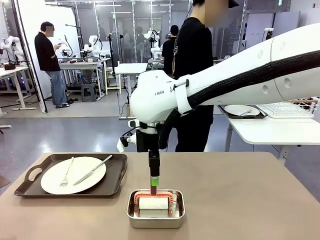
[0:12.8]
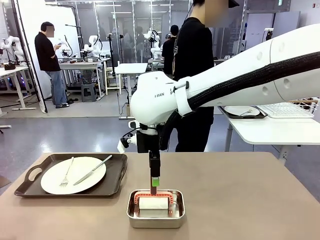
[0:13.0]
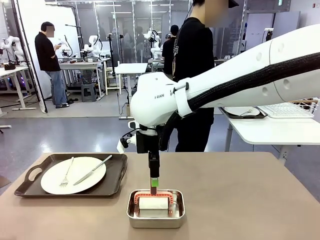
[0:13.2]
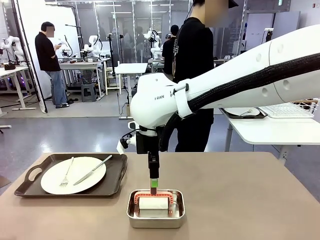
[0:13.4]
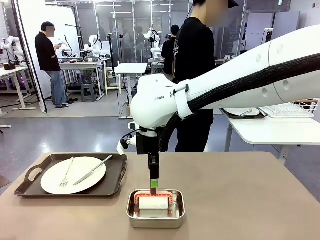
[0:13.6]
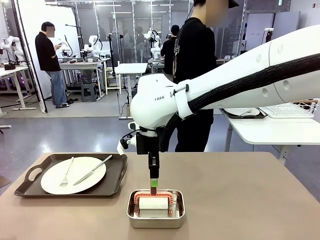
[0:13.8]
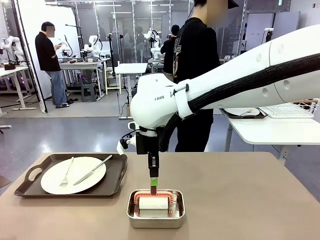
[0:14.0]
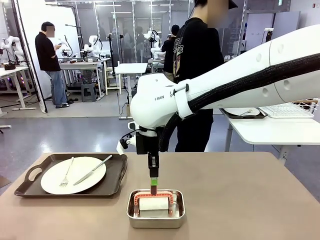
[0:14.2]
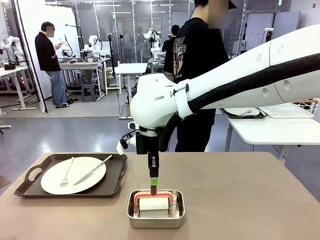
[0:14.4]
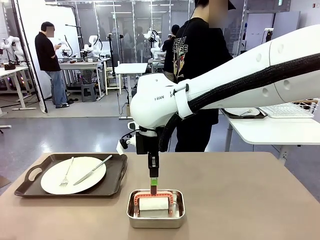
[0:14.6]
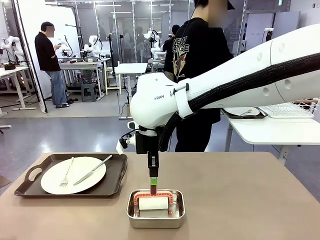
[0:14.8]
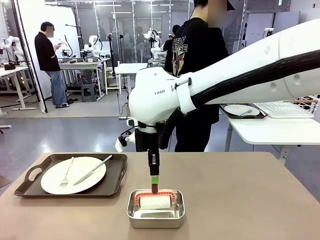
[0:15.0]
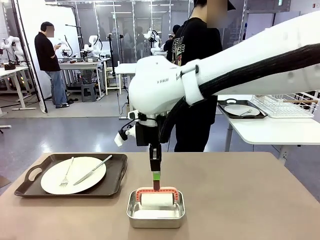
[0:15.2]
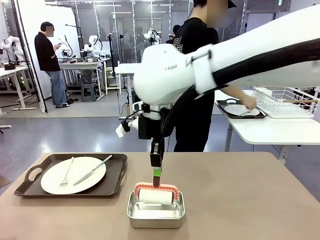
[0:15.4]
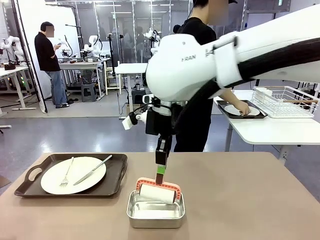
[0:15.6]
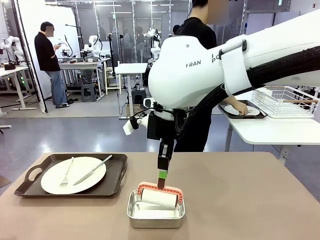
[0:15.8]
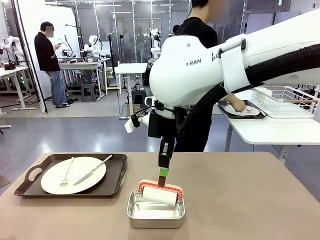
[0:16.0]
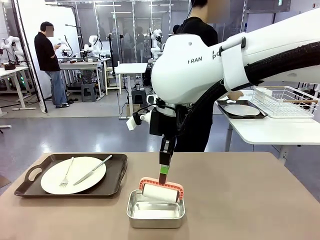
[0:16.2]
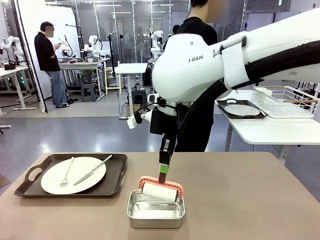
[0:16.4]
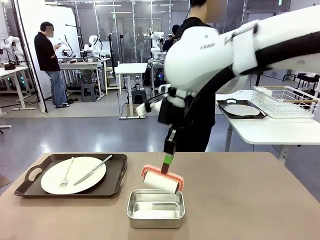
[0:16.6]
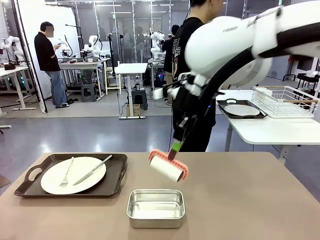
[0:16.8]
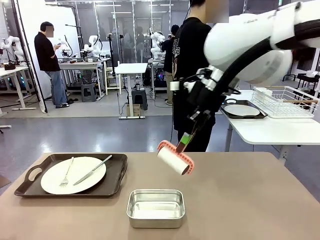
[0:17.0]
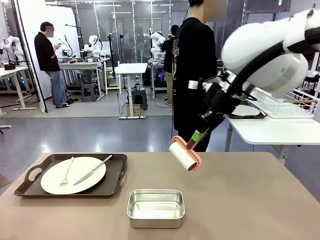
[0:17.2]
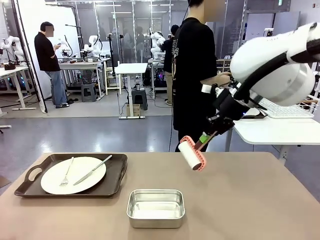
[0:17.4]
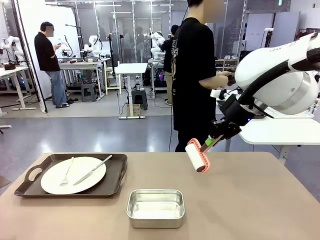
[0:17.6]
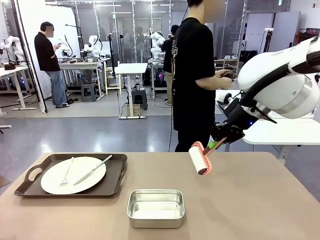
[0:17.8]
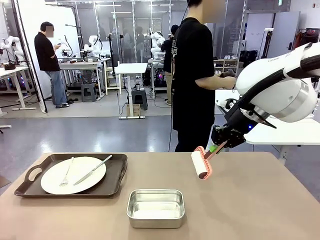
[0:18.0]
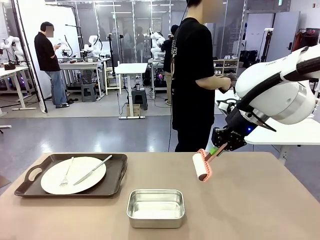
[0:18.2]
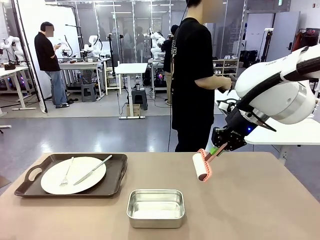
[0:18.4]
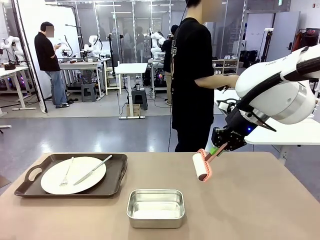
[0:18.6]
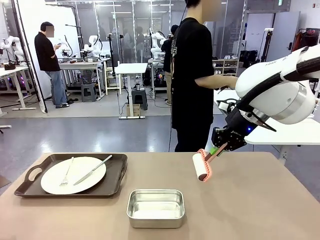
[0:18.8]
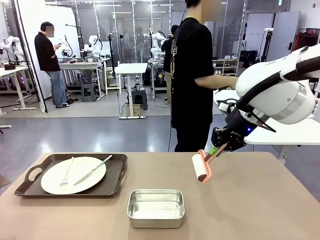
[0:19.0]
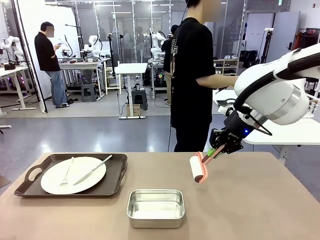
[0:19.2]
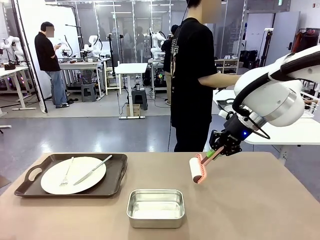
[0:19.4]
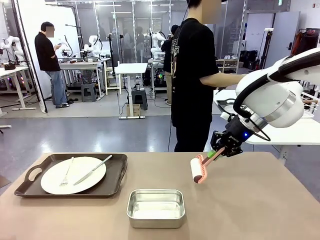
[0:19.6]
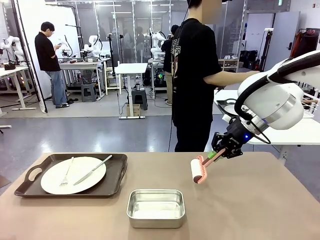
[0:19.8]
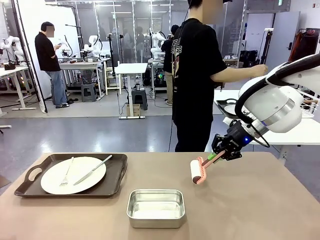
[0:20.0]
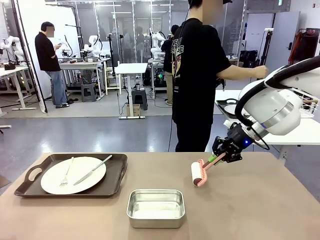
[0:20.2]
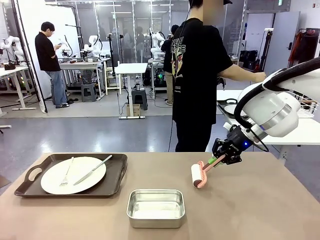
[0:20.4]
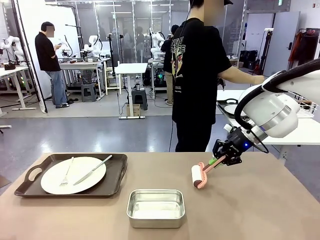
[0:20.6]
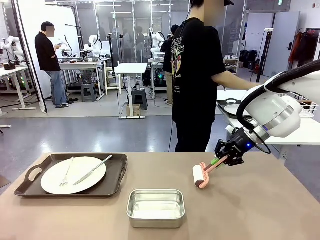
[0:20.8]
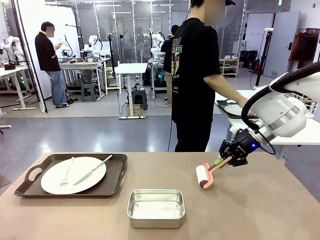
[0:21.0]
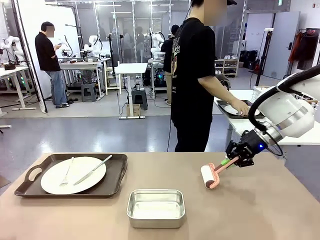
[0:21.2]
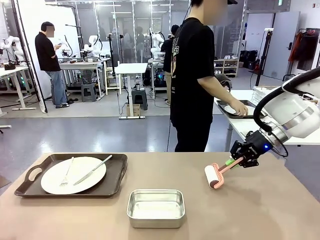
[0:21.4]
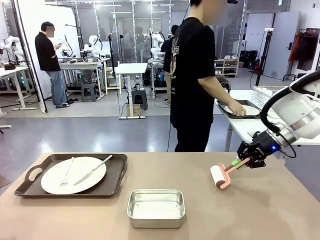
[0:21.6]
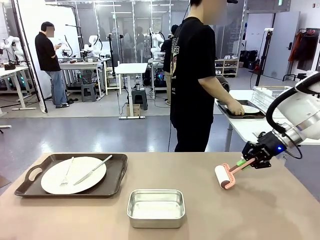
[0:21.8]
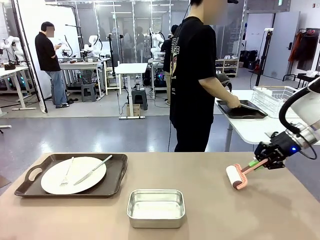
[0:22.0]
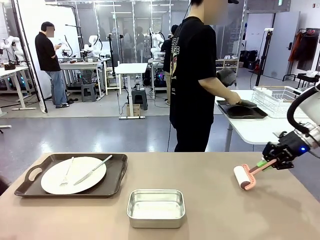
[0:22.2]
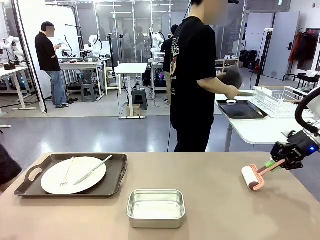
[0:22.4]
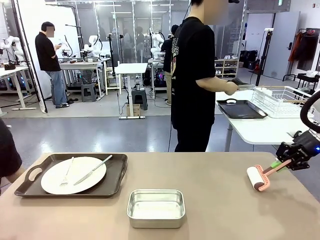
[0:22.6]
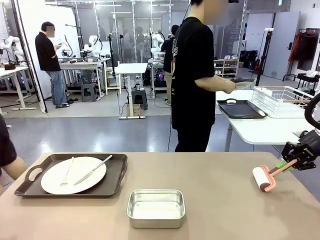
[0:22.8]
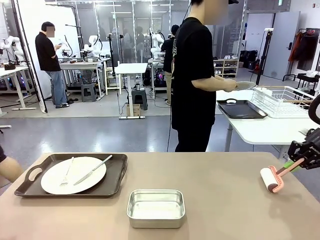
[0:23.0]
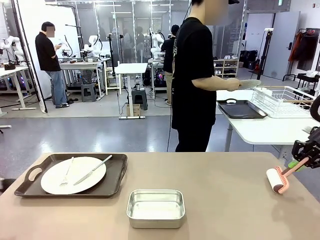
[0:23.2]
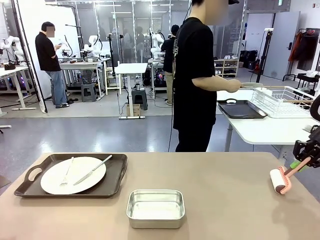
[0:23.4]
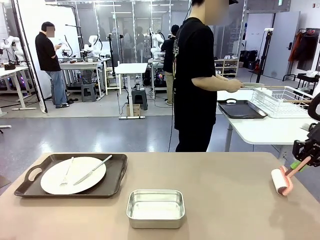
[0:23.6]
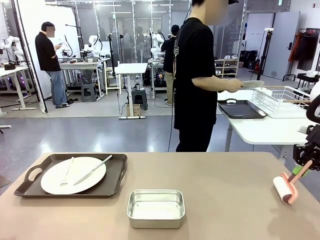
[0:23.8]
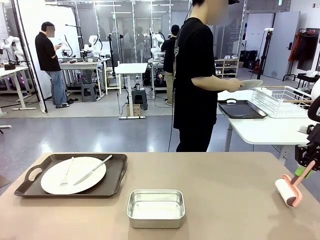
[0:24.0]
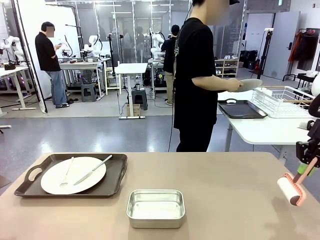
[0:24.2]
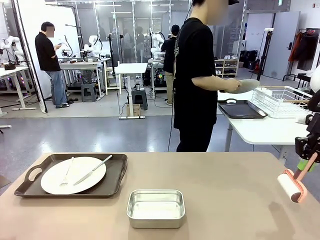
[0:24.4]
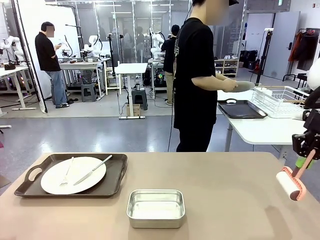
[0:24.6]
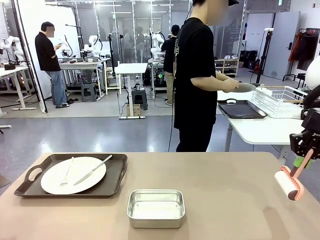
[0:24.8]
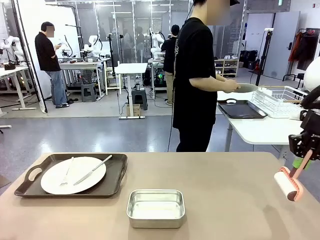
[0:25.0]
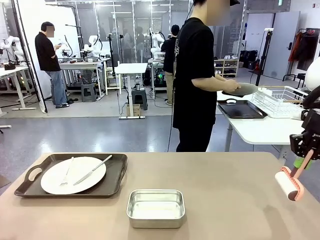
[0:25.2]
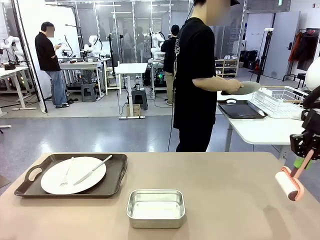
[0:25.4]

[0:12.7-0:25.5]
Robot: When the left (or right) Handle tray is removed, use the left hand (or right hand) to clean the left (or right) side of the table with the Lint Roller.
Person: Use the Towel with hook to wipe the Plastic Matte Plate , Fork , and Knife and place into the Dish drying rack.

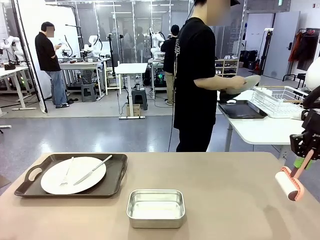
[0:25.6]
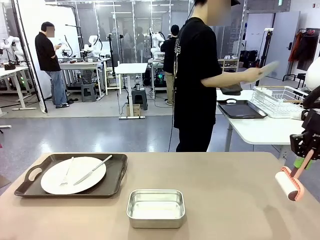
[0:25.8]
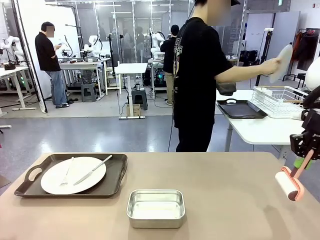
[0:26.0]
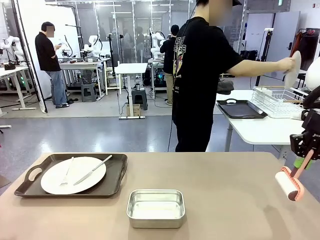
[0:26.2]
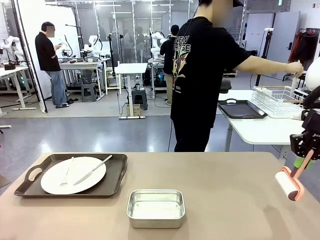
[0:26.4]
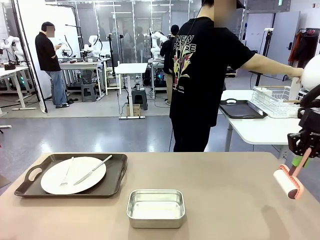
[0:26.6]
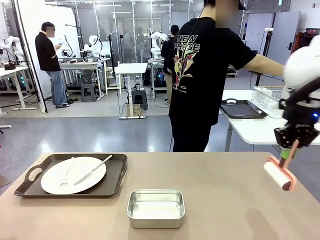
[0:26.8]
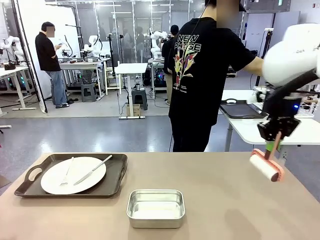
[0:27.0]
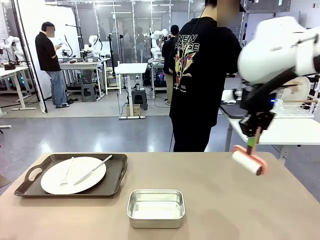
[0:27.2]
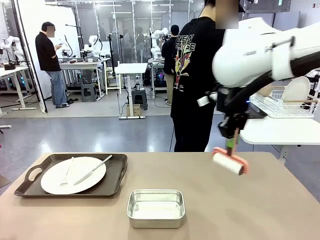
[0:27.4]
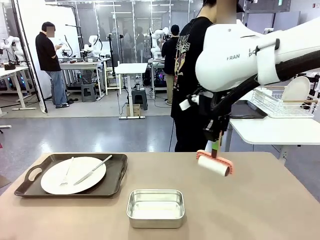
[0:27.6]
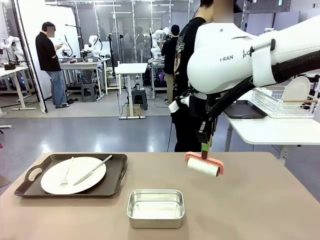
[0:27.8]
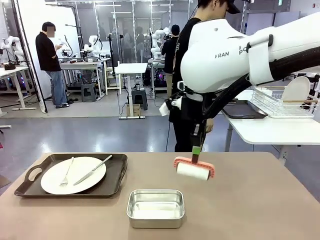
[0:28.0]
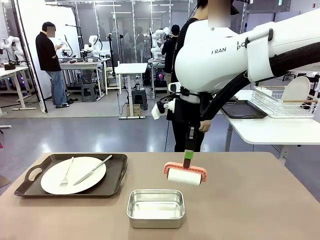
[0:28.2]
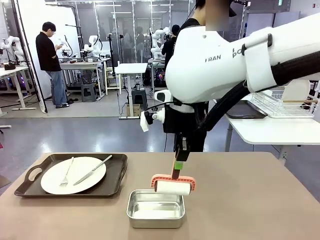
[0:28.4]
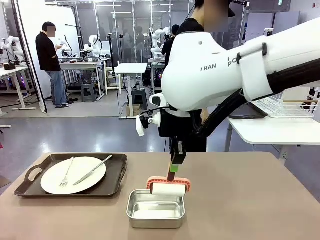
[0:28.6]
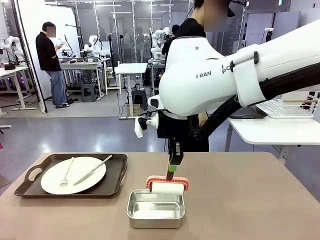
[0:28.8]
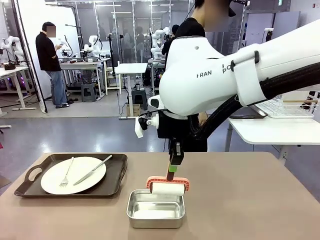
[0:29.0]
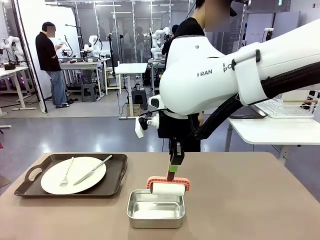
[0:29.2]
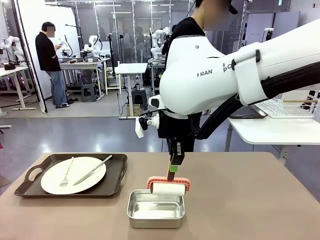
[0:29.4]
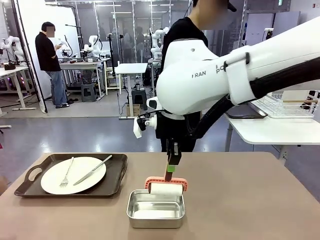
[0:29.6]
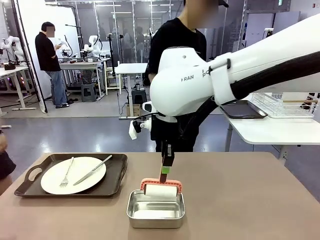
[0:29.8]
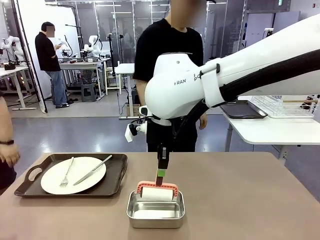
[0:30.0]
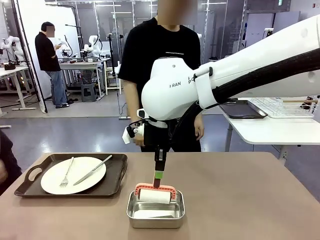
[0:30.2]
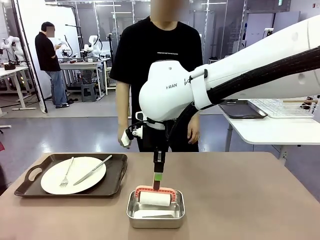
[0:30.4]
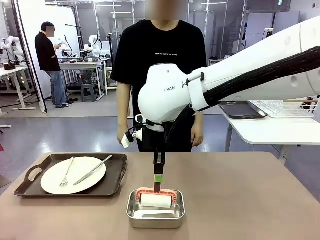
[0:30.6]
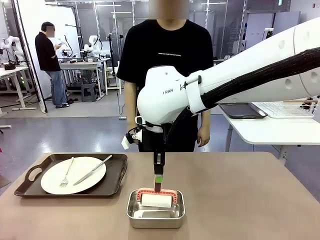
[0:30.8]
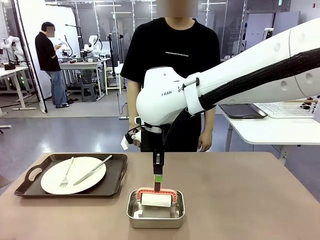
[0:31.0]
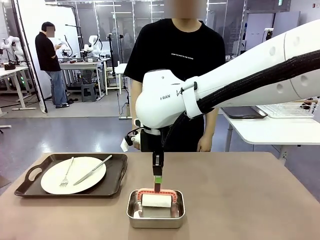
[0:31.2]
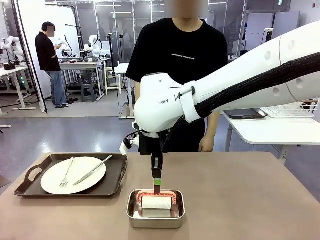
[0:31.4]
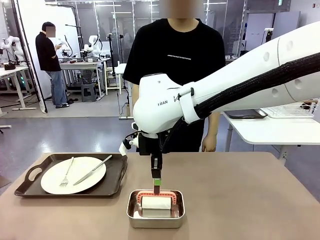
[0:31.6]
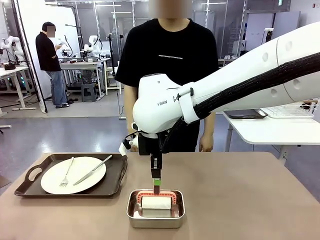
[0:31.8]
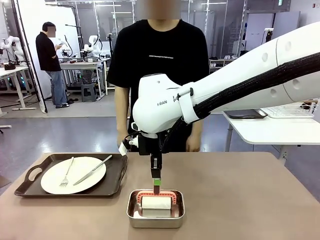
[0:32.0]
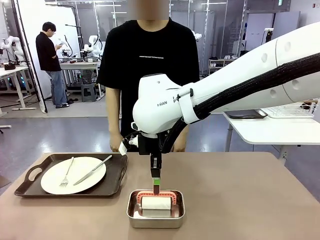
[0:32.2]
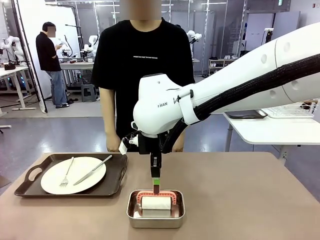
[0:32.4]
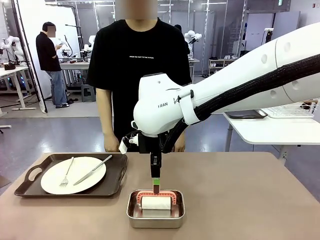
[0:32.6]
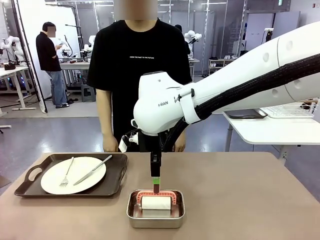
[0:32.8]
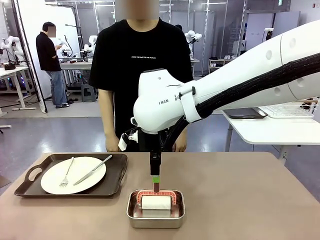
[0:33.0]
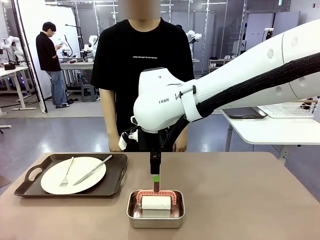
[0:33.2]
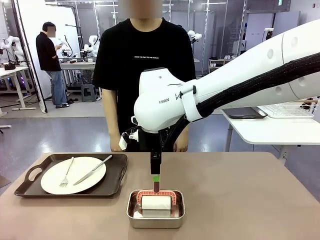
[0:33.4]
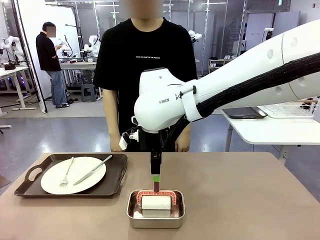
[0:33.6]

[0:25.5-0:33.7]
Robot: Place the Lint Roller back on top of the Airtight Container.

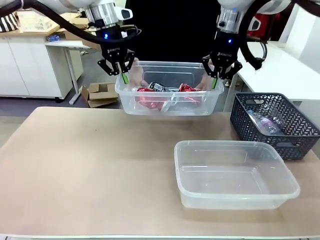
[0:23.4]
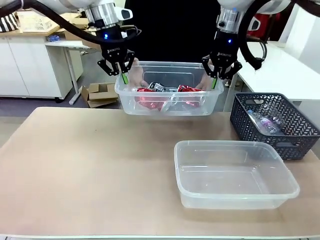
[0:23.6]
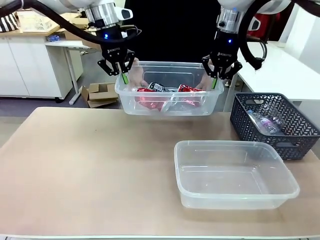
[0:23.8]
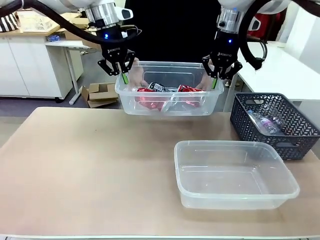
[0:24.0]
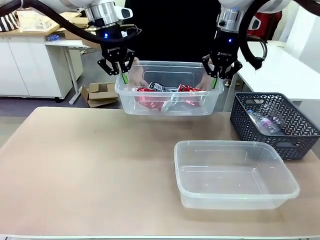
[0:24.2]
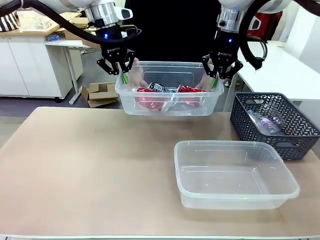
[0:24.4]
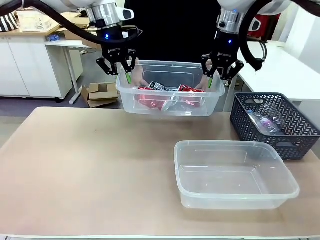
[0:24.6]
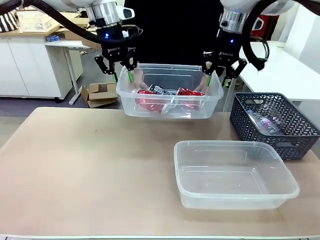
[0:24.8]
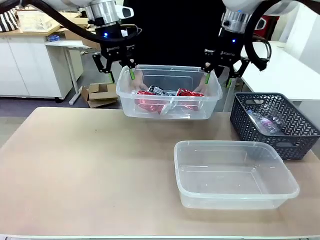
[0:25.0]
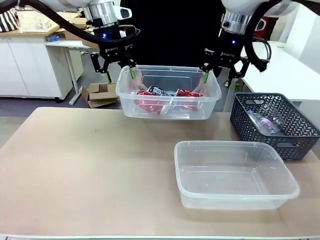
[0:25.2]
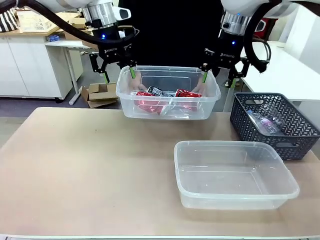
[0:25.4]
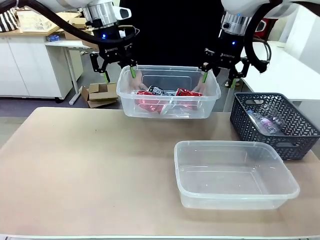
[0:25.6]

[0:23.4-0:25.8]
Robot: Release the Organizing box you were holding.
